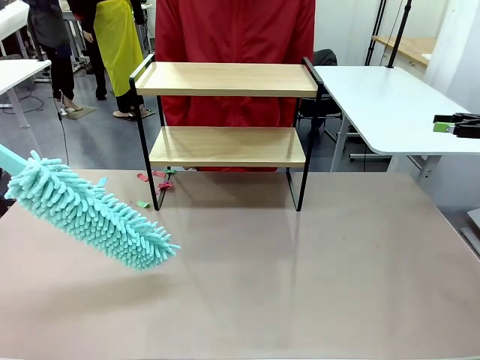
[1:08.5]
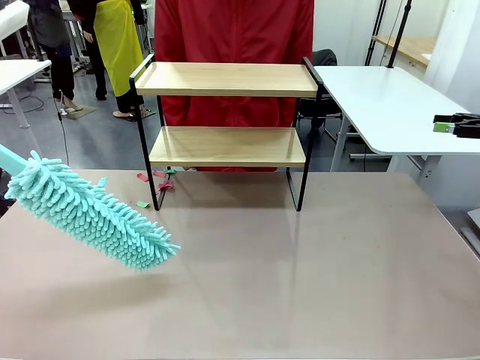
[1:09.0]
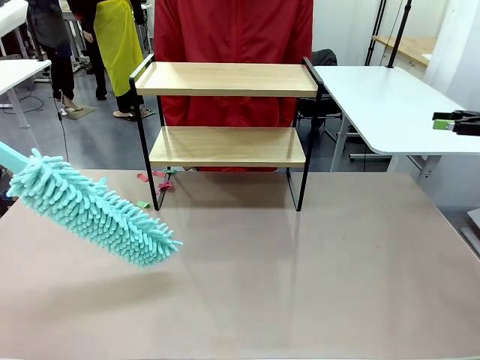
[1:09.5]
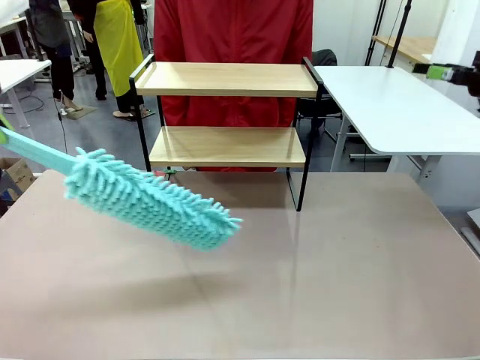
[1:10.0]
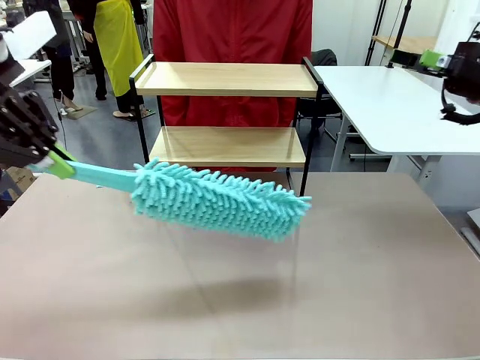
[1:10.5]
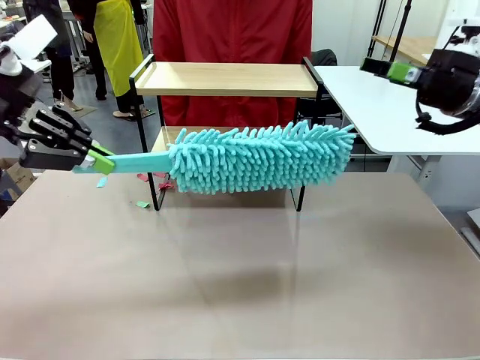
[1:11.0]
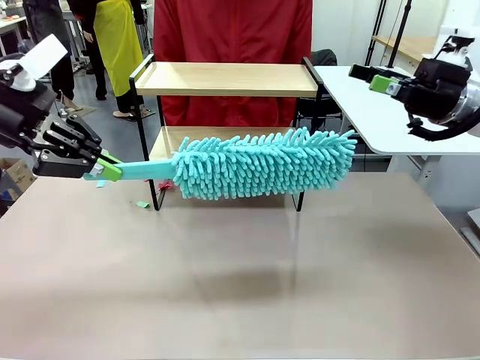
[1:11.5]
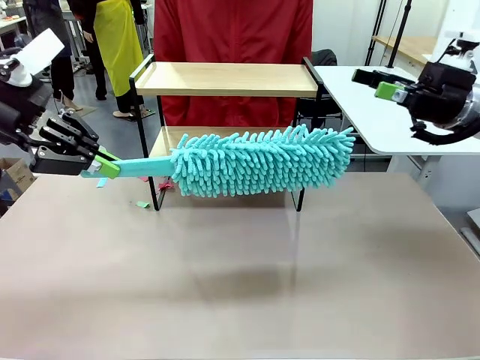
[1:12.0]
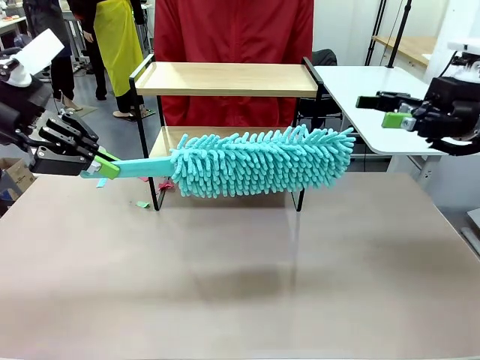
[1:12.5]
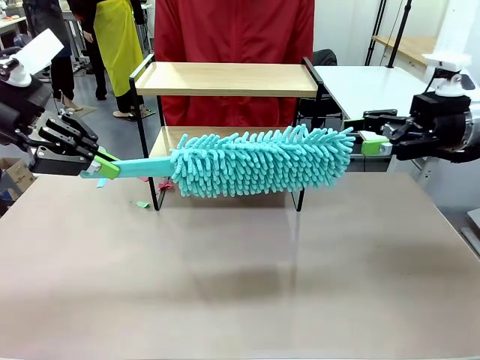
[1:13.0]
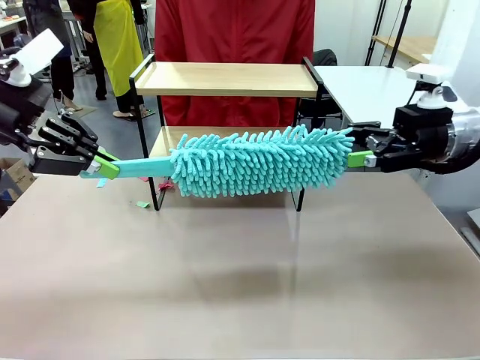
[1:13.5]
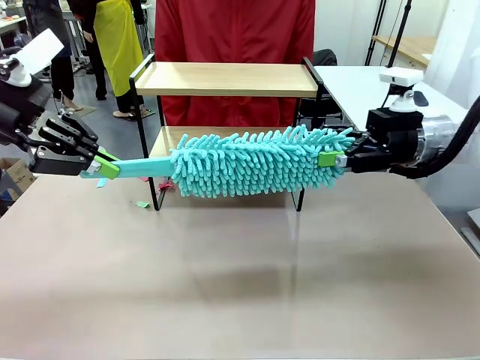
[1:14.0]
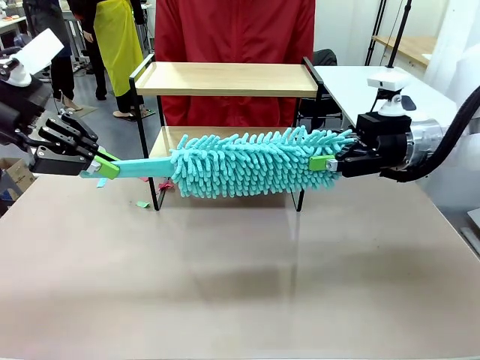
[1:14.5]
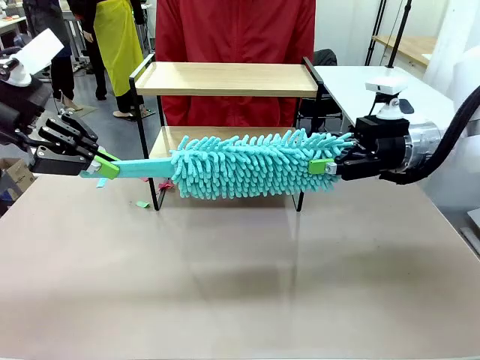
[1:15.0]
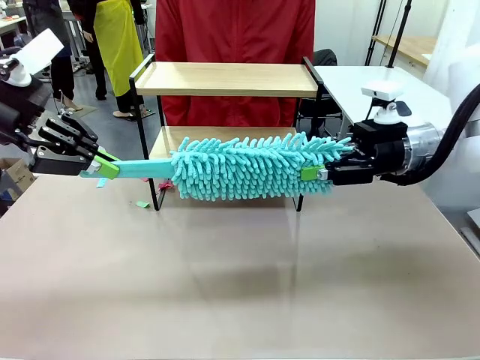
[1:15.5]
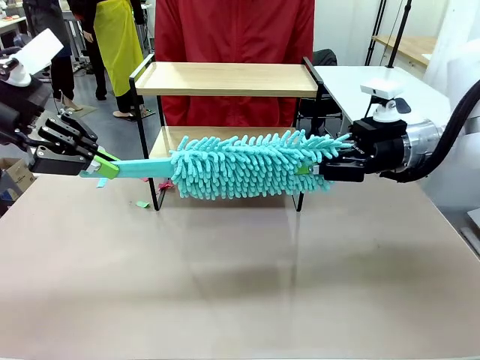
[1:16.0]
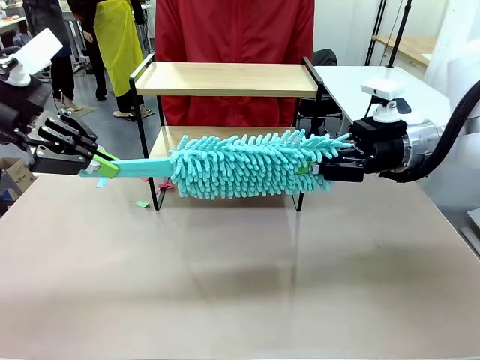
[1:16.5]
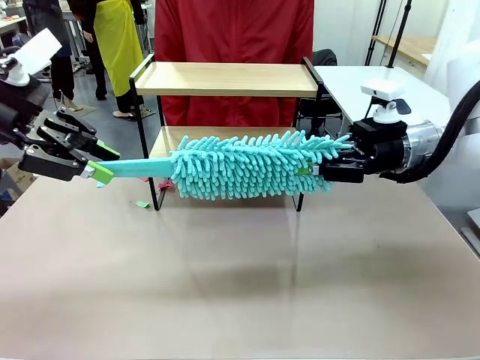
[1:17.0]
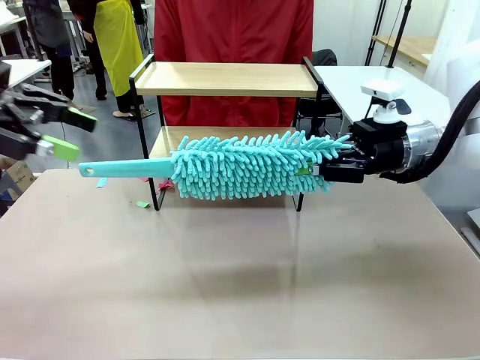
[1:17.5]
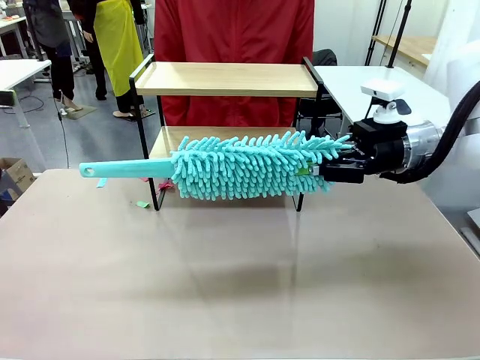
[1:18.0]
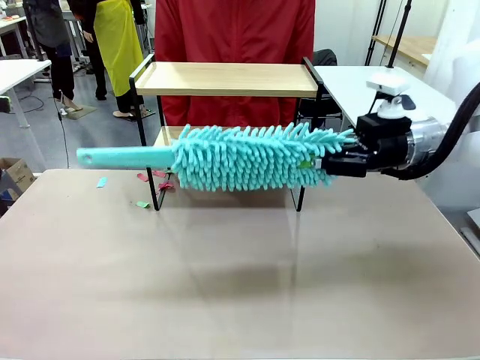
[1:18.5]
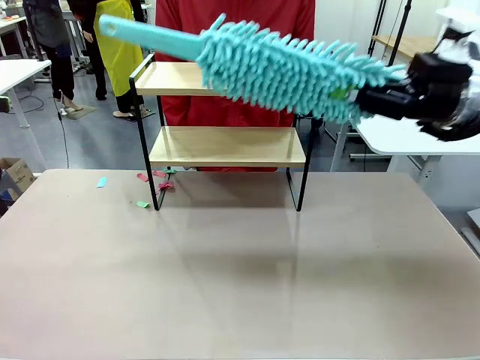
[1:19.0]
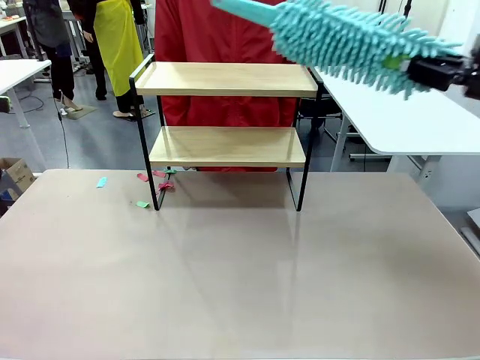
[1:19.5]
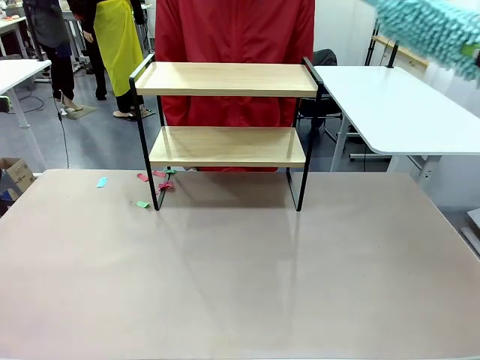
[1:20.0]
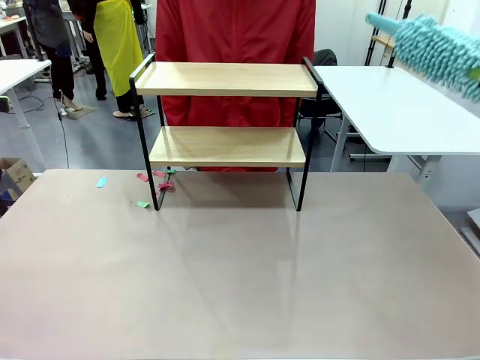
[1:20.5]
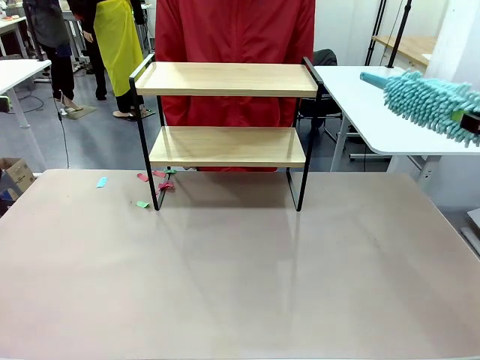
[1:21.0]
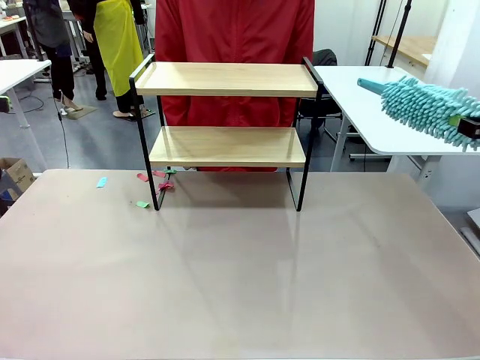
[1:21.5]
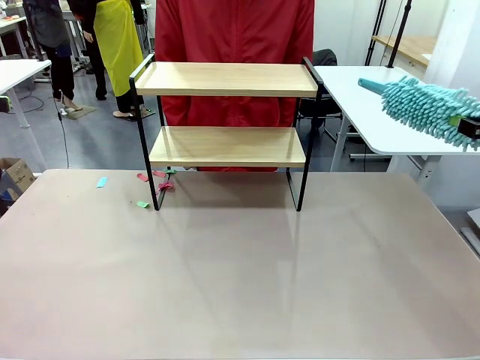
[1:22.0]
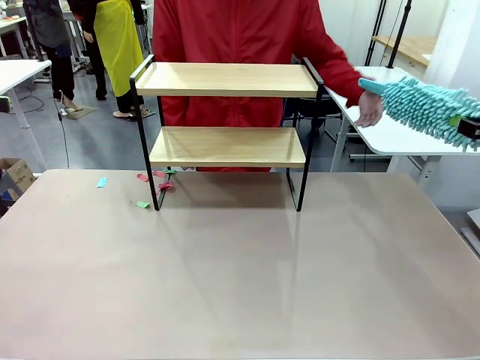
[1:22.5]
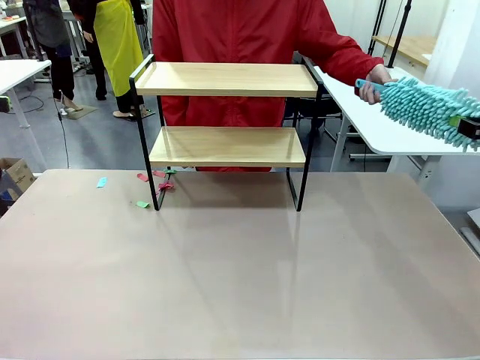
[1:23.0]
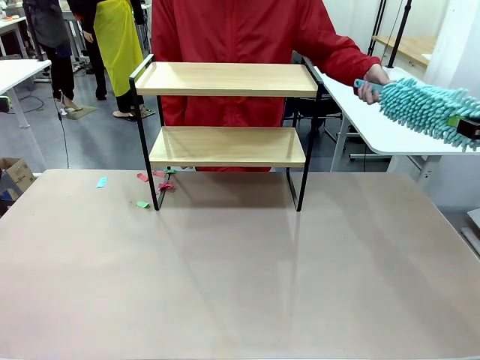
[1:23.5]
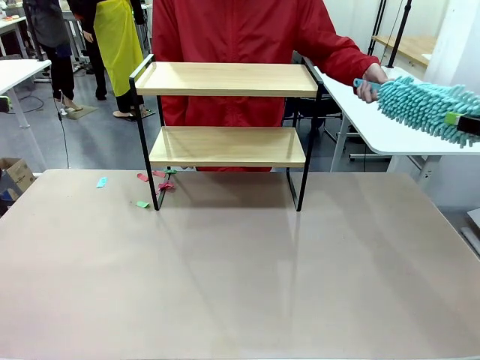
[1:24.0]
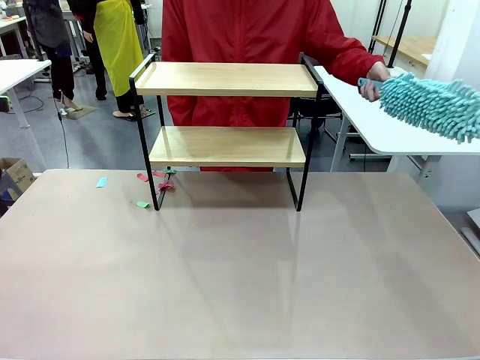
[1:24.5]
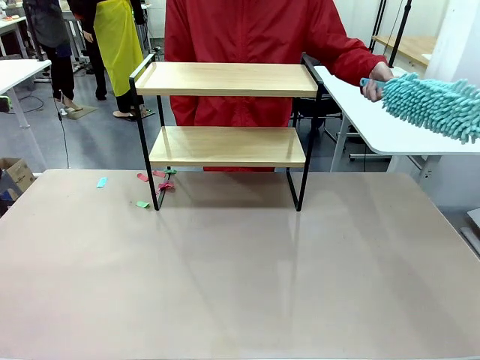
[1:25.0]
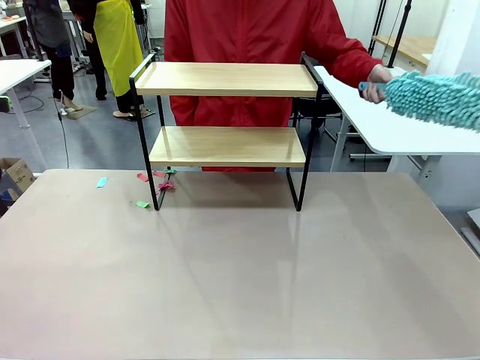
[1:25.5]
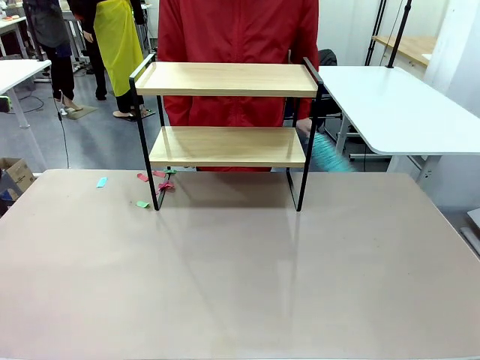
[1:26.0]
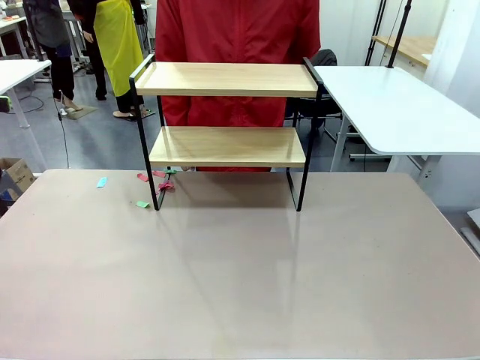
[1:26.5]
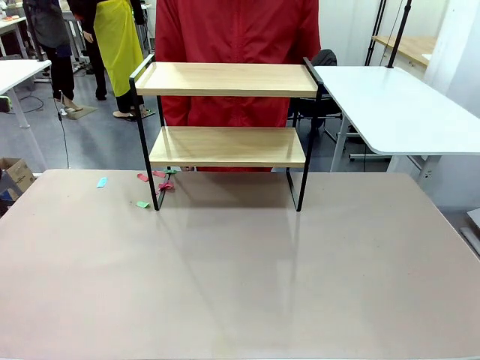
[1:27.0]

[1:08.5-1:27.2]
Task: Clean the shelf.
Robot: Hand the Duster back to the human.
Person: Receive the Duster from the robot.

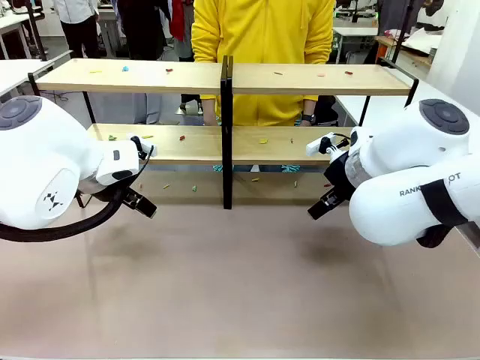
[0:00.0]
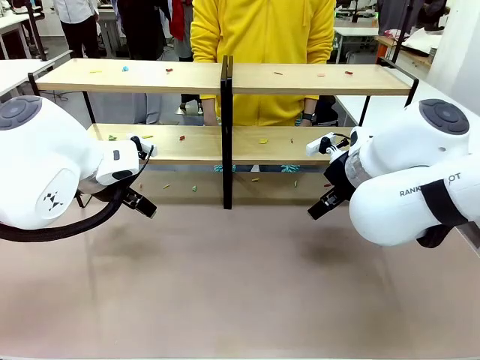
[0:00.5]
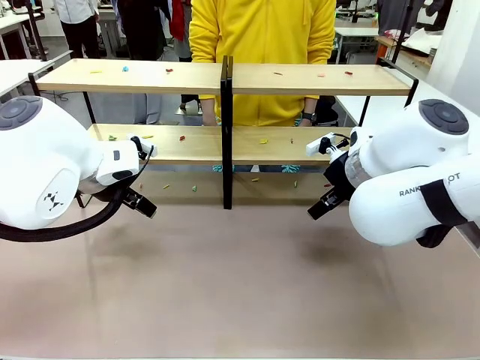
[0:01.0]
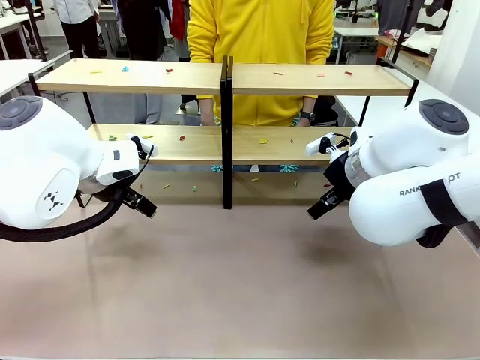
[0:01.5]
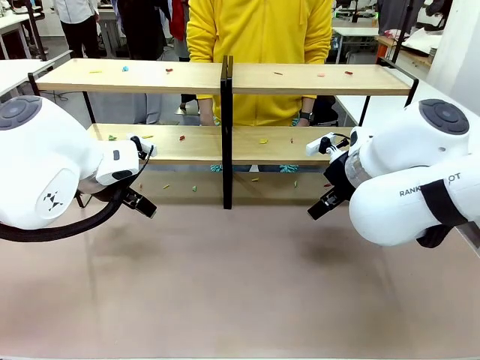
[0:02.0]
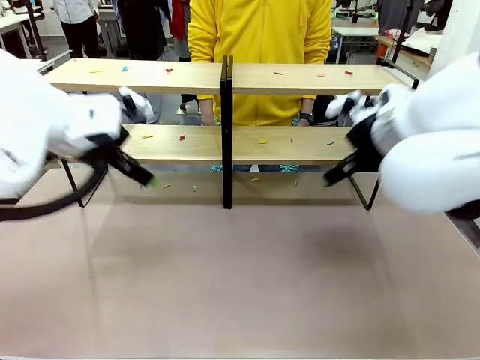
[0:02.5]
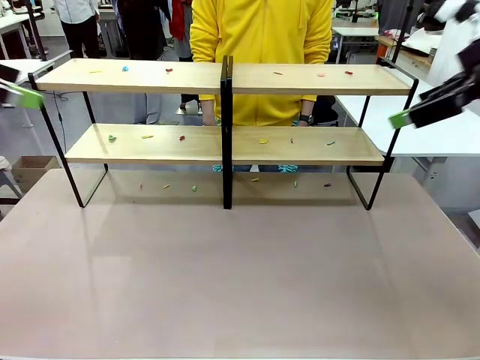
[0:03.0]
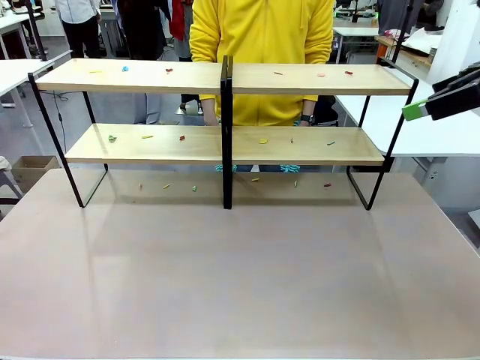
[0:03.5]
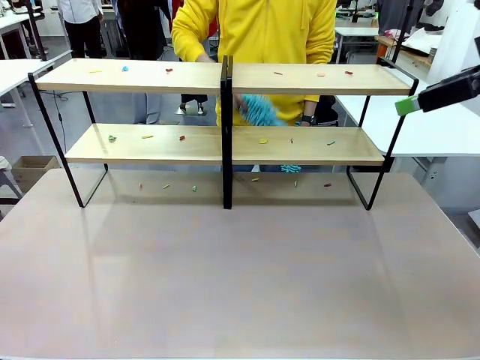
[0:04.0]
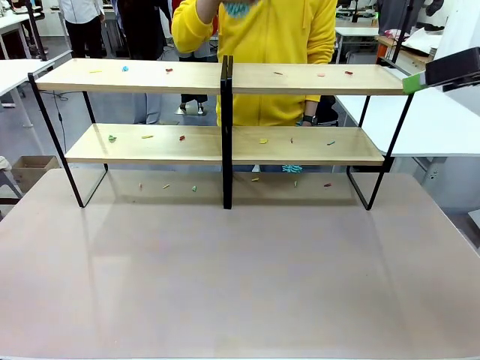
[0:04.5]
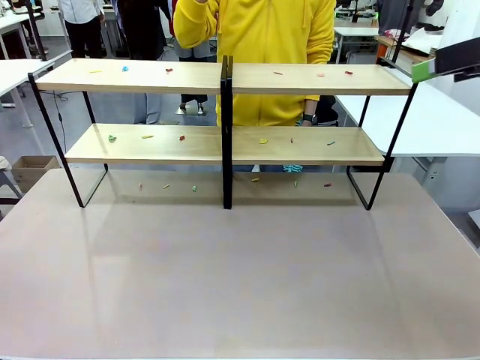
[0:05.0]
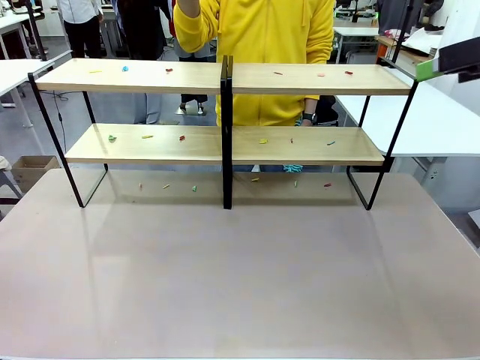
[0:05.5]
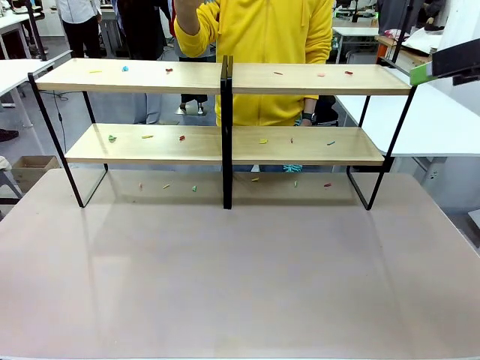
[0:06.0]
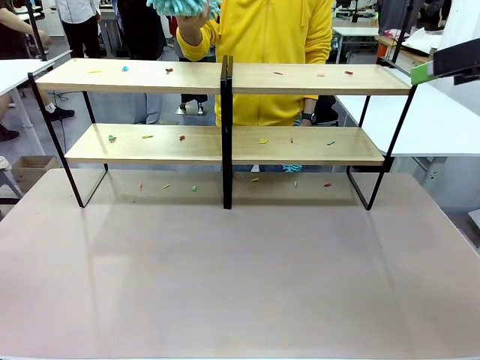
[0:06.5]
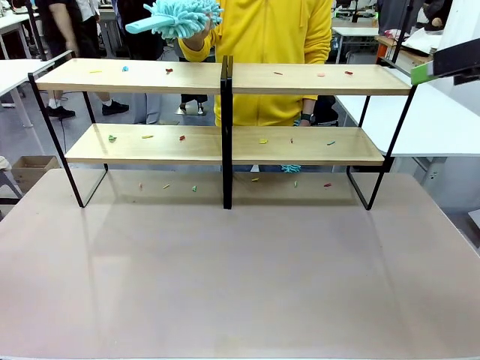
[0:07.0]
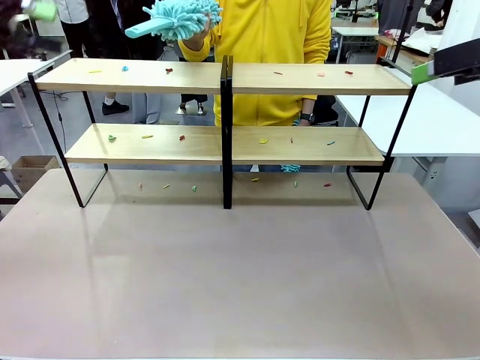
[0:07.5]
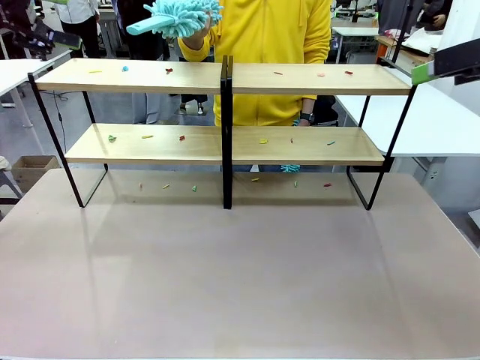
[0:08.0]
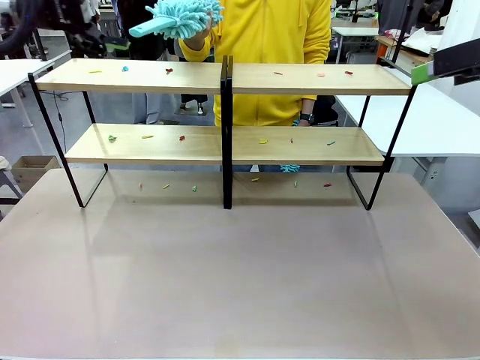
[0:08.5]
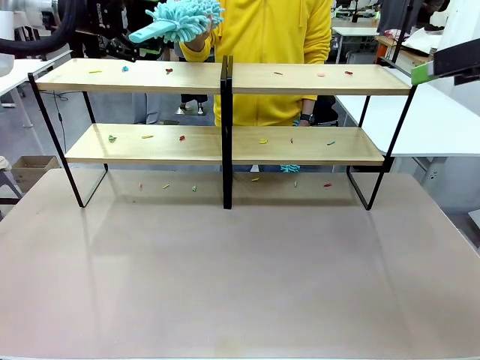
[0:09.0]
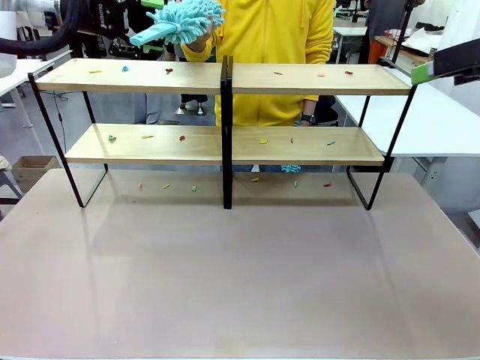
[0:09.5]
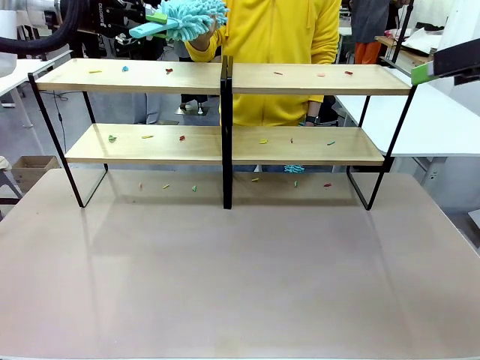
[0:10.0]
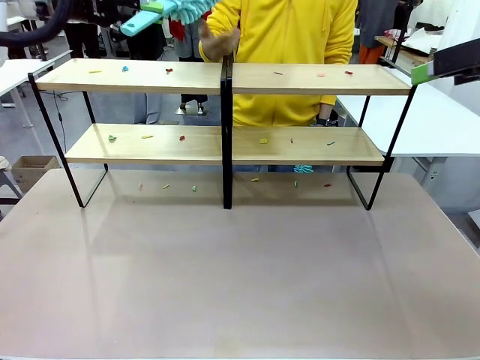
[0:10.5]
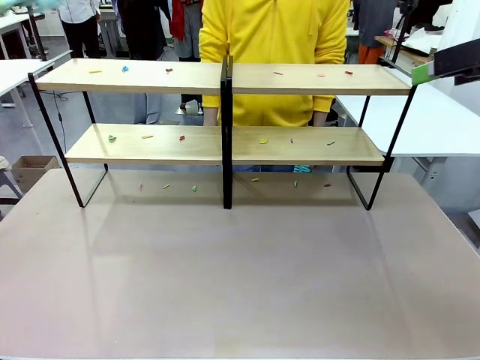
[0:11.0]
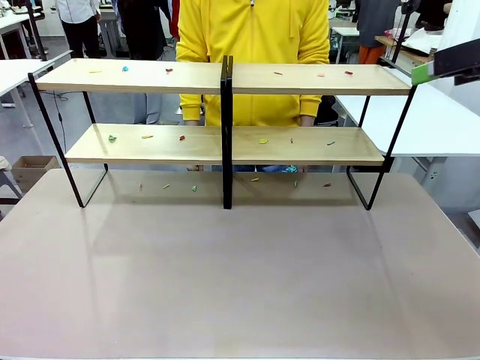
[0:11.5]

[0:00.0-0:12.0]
Task: Clean the shelves.
Robot: Pick up the Duster when the human hands it over.
Person: Hand the Duster to the robot with your right (or left) hand.
